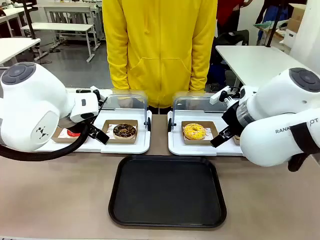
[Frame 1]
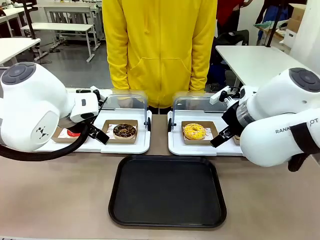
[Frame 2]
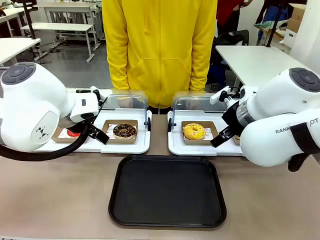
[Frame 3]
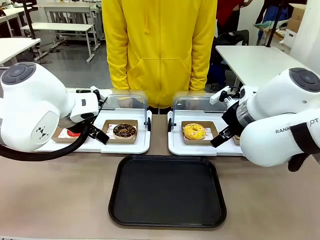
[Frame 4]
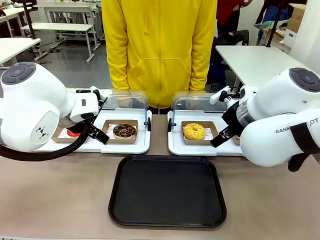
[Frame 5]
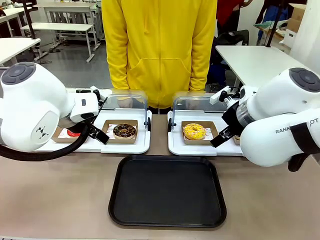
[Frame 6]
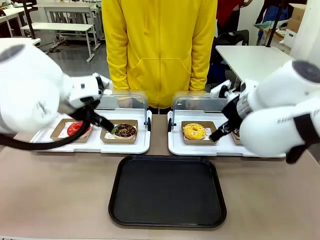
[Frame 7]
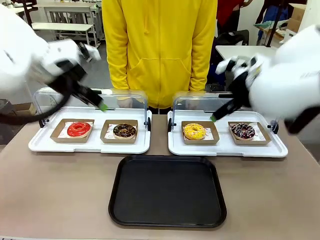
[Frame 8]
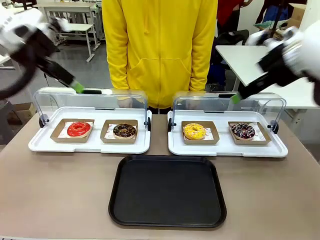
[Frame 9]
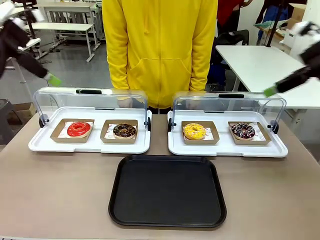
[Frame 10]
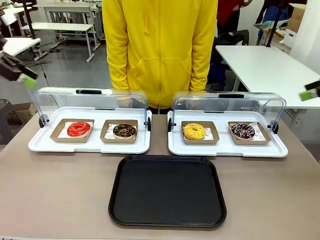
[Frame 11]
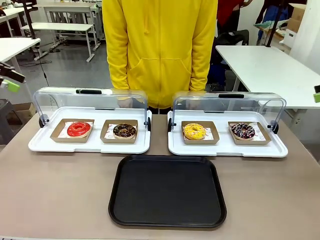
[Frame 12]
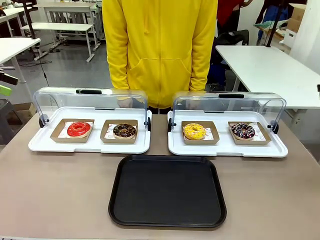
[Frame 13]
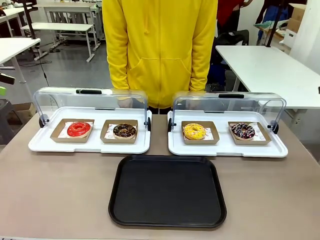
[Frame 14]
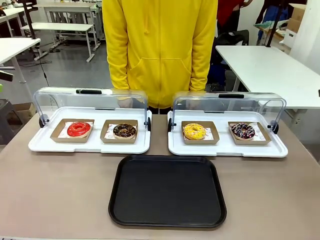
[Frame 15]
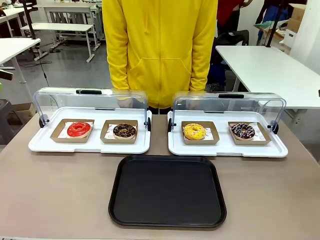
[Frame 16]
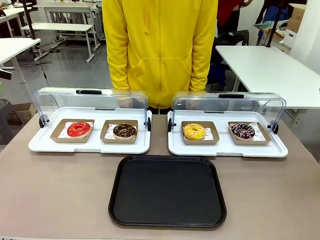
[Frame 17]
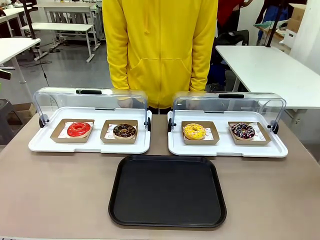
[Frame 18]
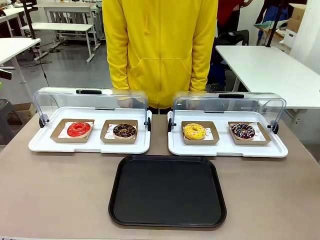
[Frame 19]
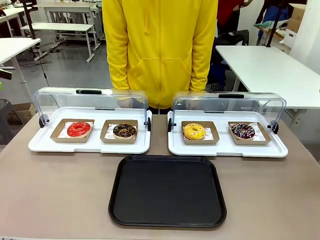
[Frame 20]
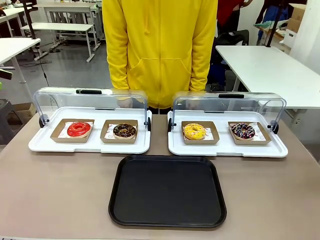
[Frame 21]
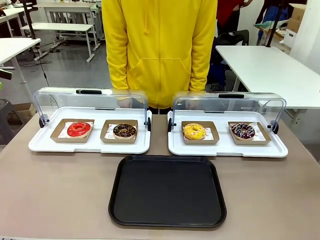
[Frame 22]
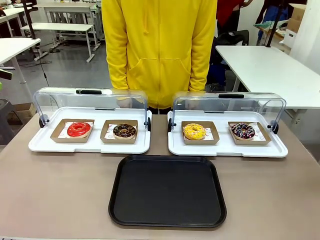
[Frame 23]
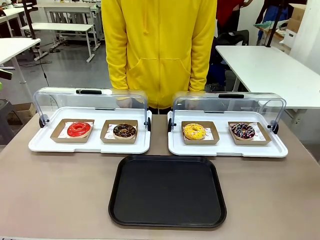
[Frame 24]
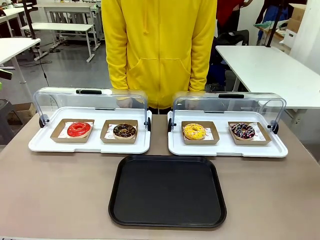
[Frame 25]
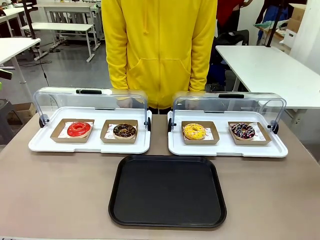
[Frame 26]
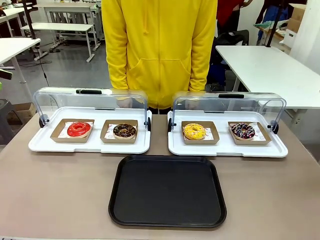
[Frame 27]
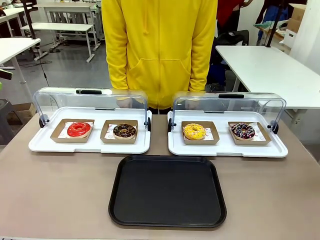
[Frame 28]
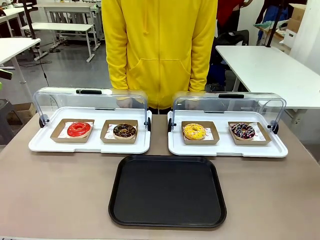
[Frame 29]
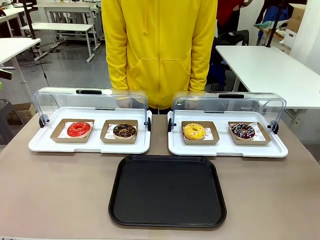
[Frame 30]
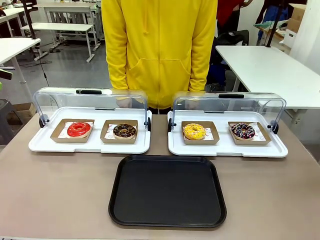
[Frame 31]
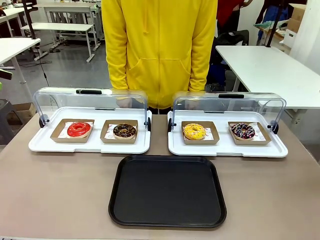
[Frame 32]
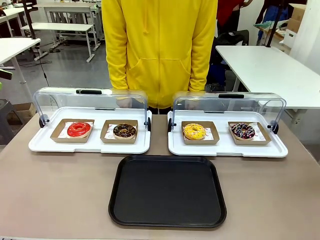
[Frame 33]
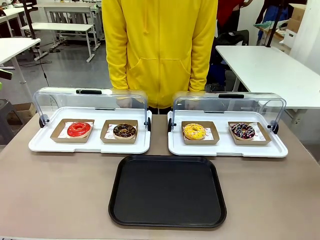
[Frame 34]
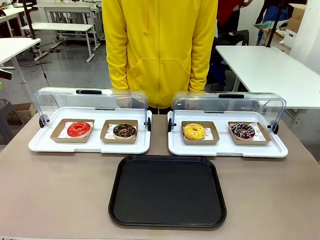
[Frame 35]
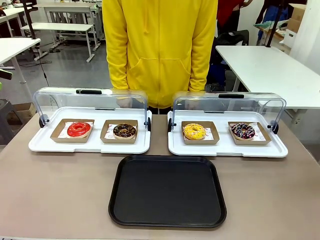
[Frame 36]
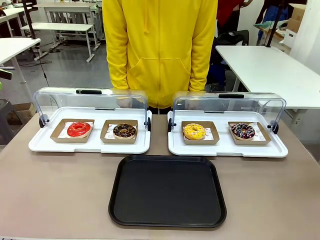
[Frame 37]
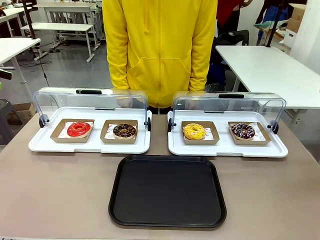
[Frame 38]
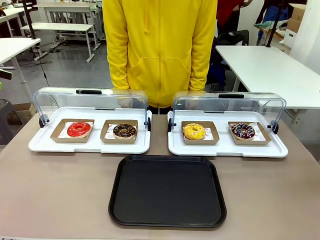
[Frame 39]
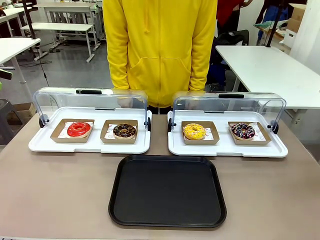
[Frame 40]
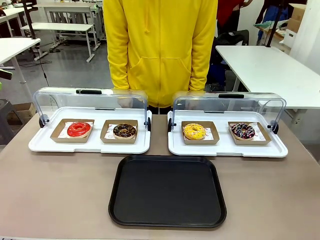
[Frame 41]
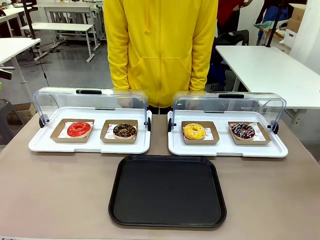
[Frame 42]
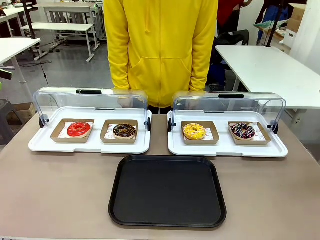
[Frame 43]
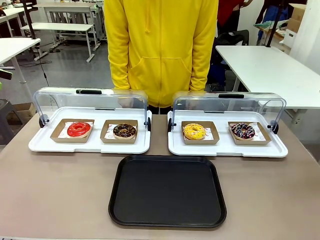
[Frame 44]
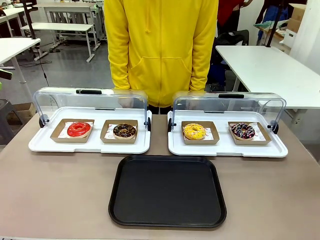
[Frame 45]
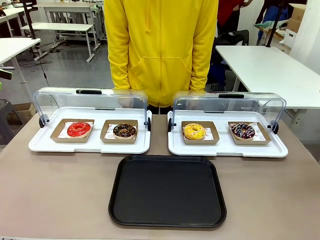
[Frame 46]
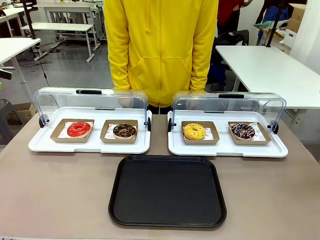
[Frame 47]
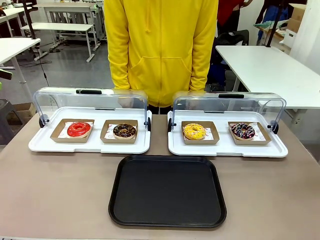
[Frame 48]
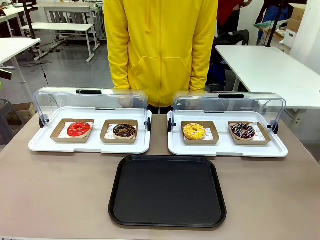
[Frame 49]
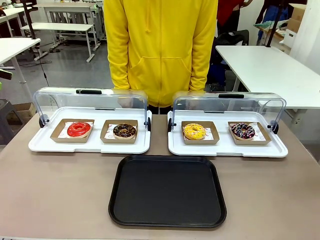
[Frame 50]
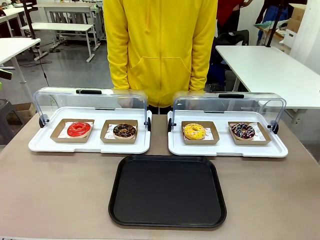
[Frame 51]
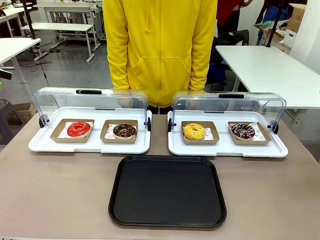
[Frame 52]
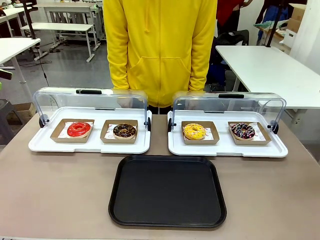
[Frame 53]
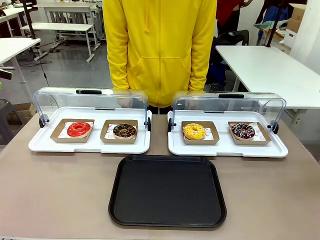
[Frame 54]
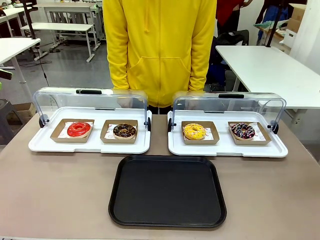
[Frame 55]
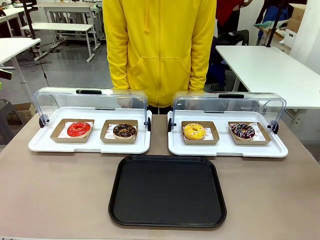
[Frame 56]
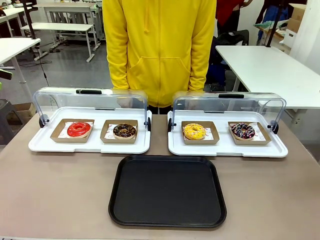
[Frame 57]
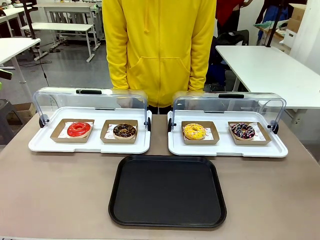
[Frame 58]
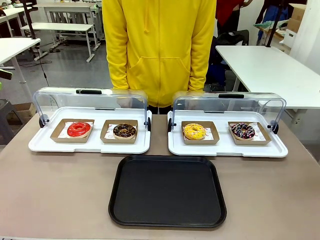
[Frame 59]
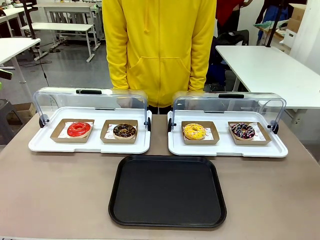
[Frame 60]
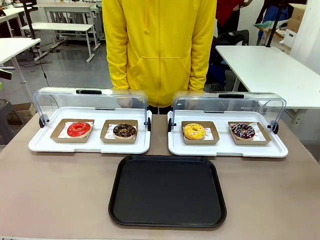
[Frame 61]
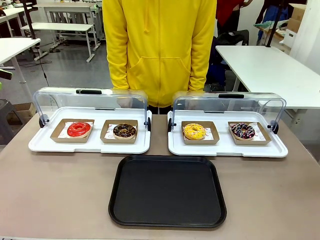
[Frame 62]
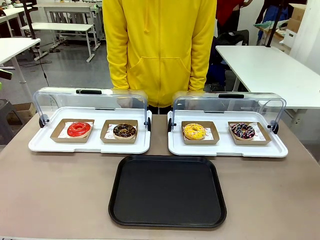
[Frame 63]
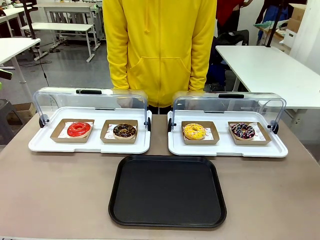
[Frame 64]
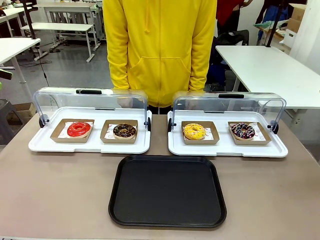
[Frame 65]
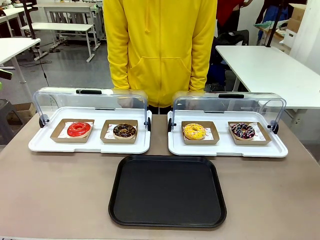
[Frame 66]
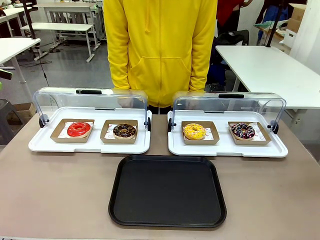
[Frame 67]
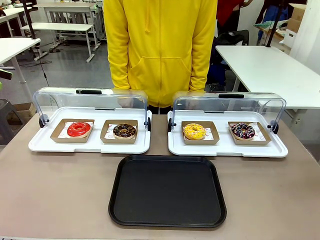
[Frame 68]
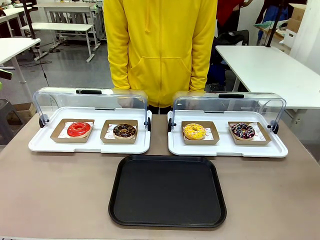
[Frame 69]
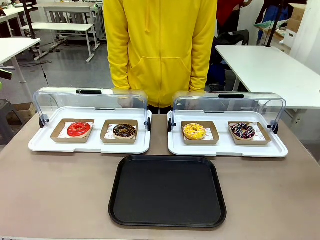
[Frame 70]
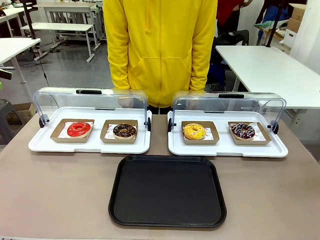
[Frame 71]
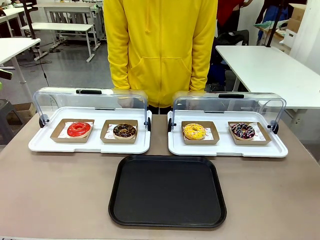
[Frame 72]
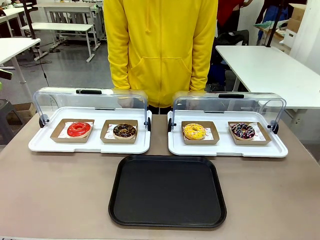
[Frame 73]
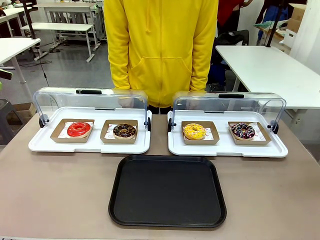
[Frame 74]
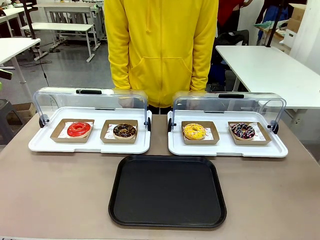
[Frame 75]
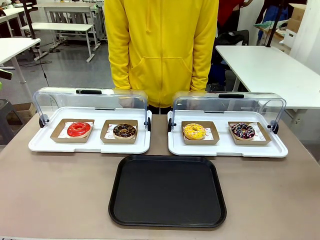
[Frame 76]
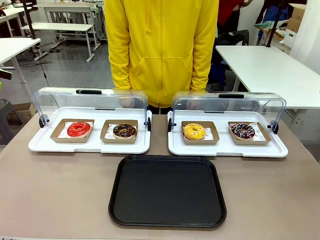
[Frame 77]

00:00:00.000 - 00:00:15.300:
Task: Move the first donut from the left to the tray.
Robot: Pick up the Paper togo box containing the Donut indicated by the person and place it on the Handle tray.
